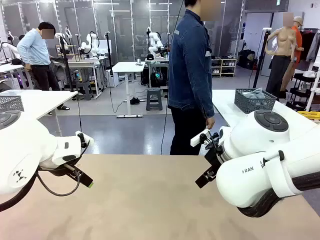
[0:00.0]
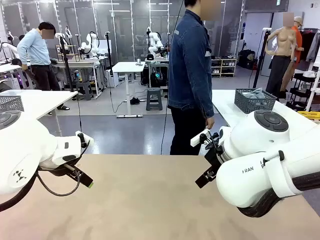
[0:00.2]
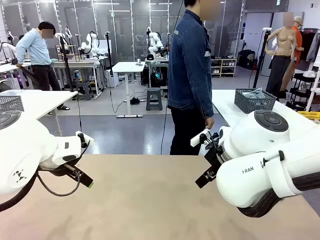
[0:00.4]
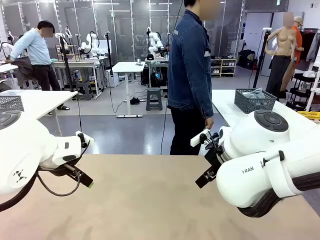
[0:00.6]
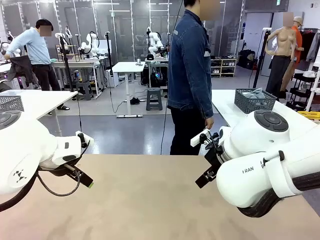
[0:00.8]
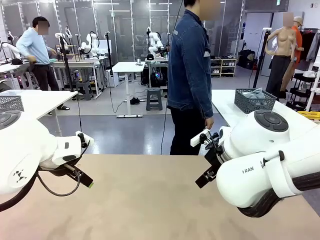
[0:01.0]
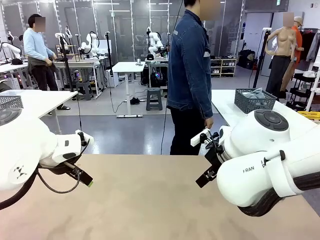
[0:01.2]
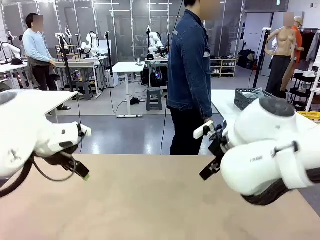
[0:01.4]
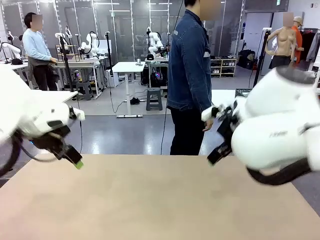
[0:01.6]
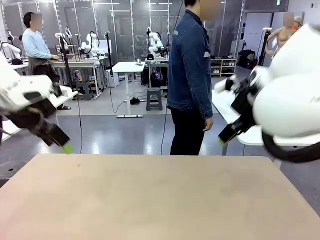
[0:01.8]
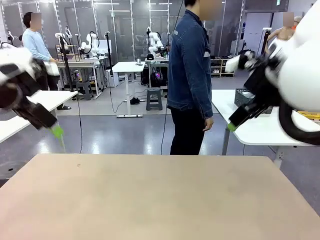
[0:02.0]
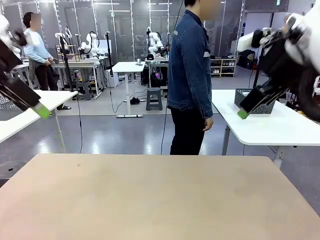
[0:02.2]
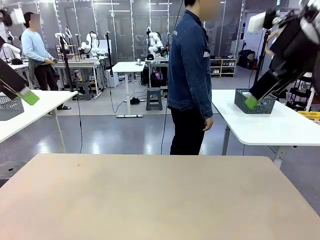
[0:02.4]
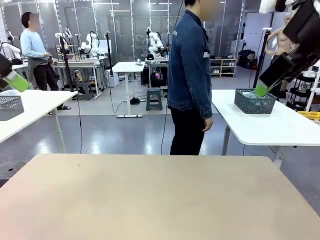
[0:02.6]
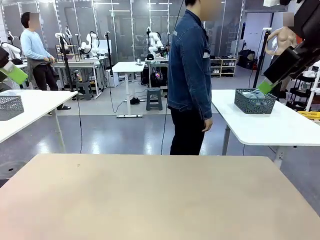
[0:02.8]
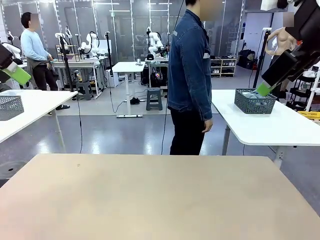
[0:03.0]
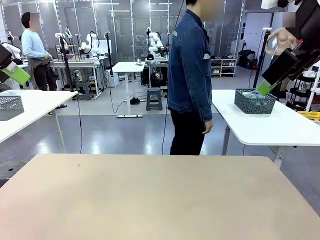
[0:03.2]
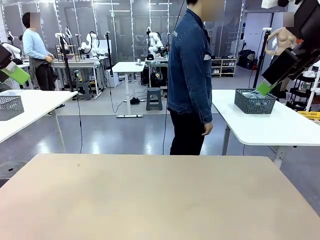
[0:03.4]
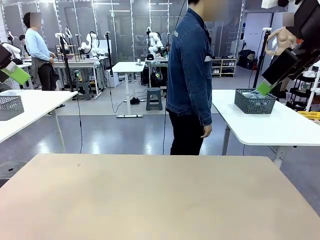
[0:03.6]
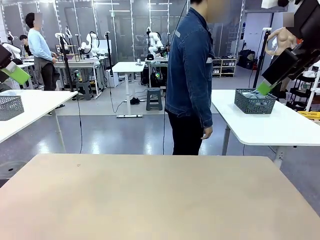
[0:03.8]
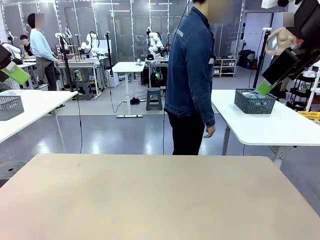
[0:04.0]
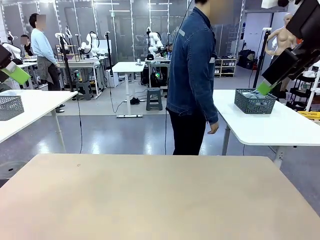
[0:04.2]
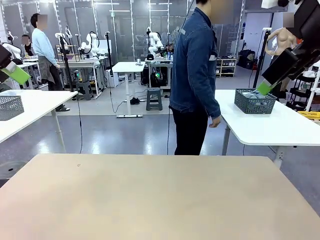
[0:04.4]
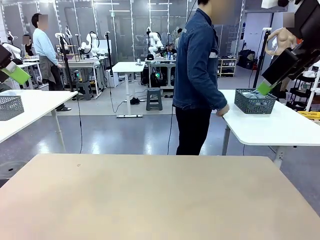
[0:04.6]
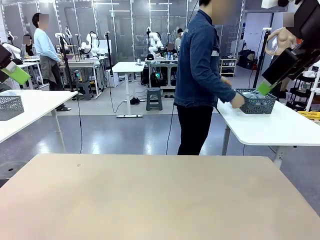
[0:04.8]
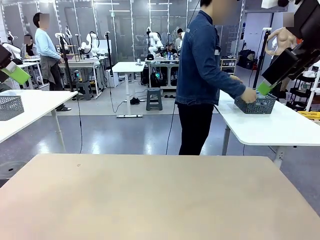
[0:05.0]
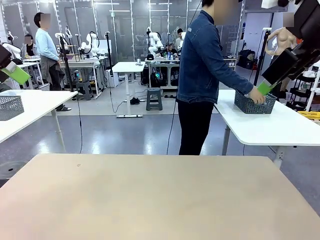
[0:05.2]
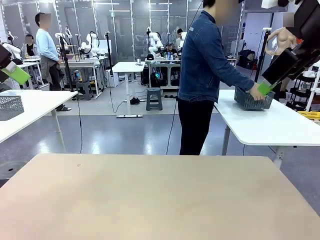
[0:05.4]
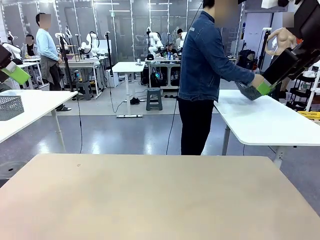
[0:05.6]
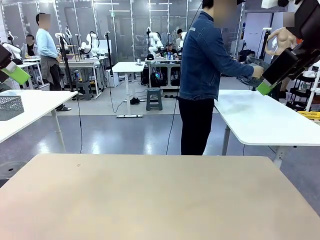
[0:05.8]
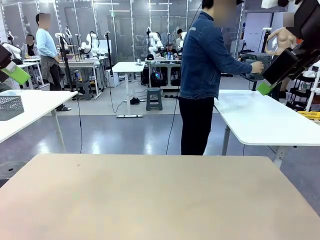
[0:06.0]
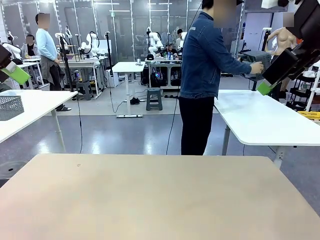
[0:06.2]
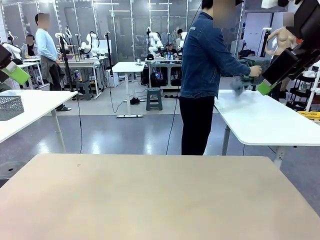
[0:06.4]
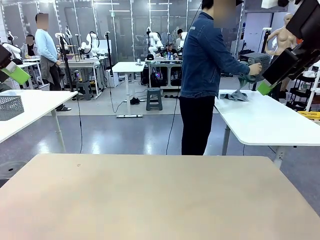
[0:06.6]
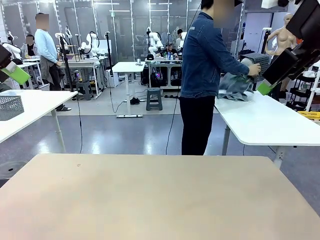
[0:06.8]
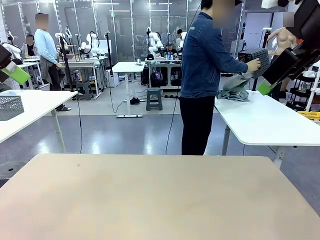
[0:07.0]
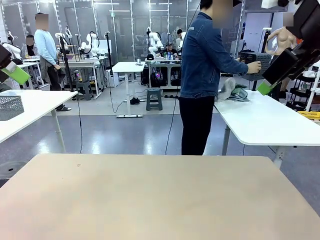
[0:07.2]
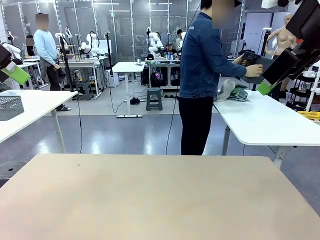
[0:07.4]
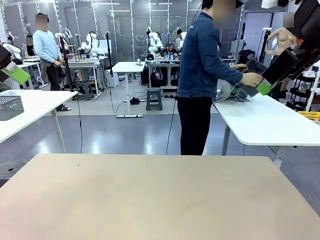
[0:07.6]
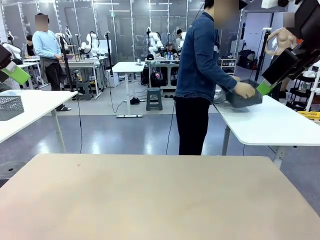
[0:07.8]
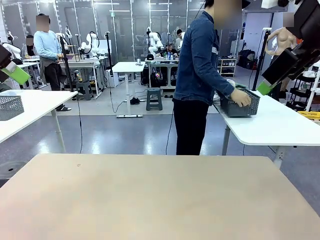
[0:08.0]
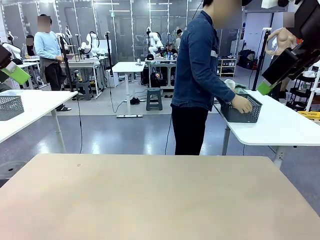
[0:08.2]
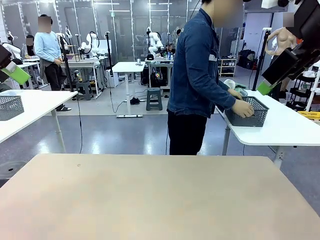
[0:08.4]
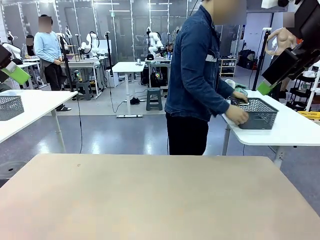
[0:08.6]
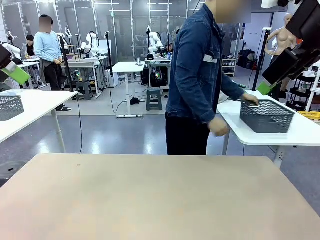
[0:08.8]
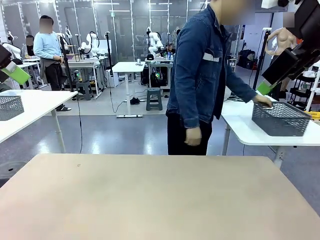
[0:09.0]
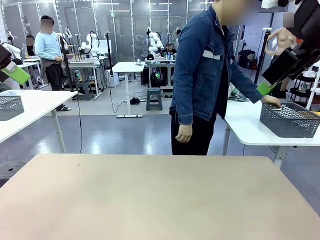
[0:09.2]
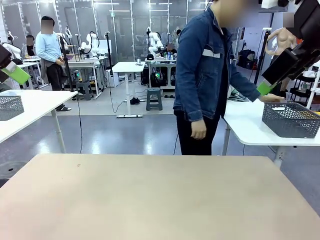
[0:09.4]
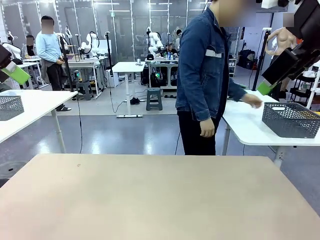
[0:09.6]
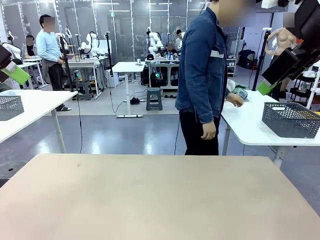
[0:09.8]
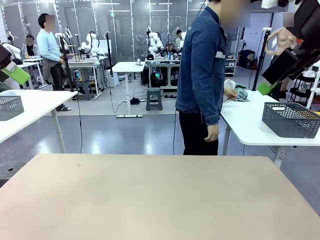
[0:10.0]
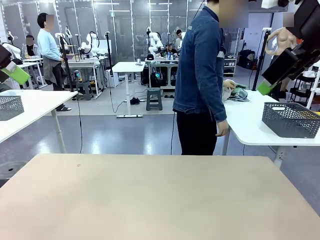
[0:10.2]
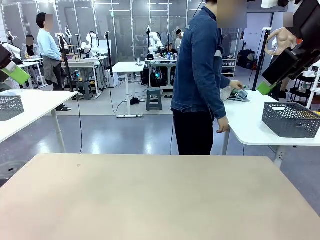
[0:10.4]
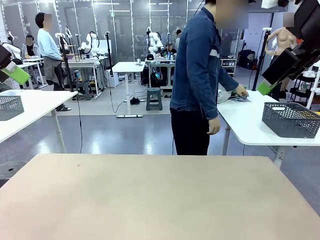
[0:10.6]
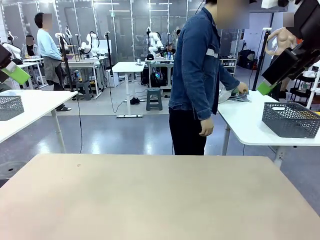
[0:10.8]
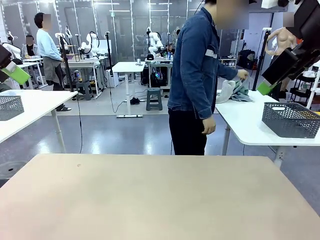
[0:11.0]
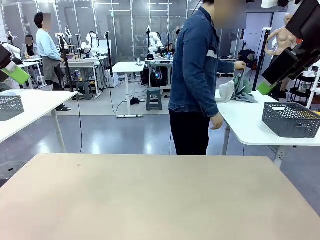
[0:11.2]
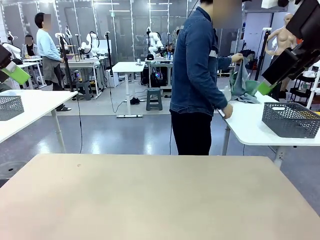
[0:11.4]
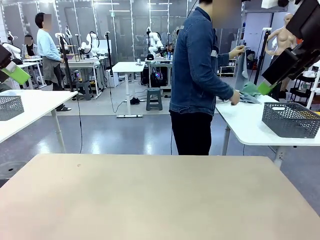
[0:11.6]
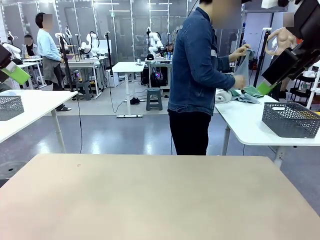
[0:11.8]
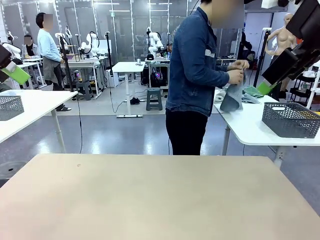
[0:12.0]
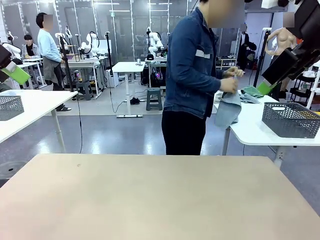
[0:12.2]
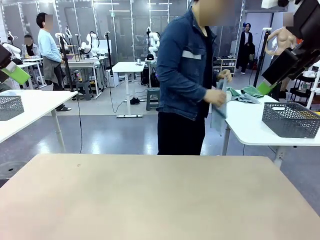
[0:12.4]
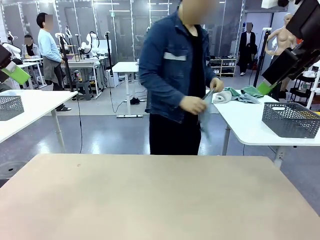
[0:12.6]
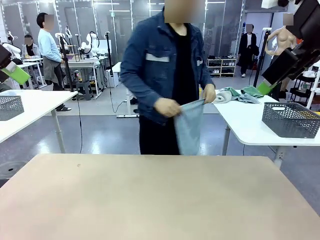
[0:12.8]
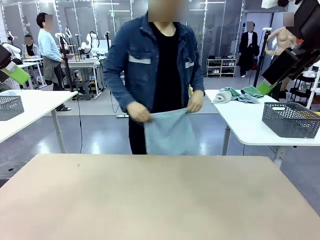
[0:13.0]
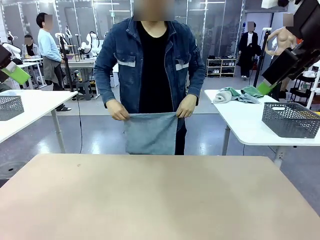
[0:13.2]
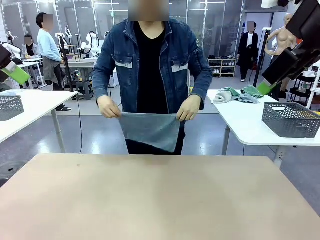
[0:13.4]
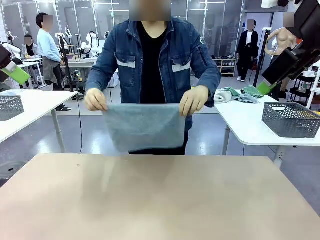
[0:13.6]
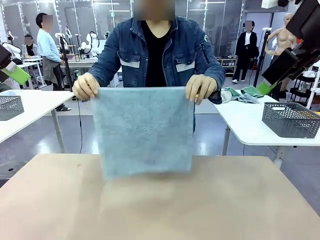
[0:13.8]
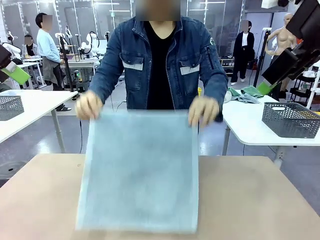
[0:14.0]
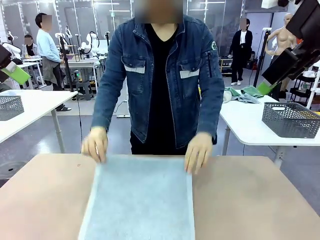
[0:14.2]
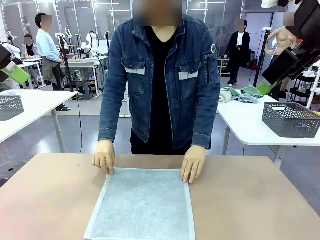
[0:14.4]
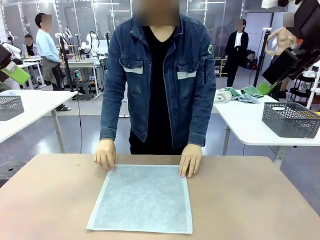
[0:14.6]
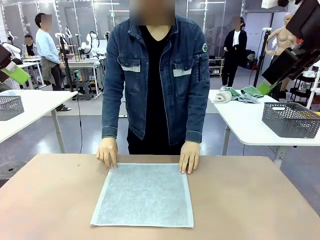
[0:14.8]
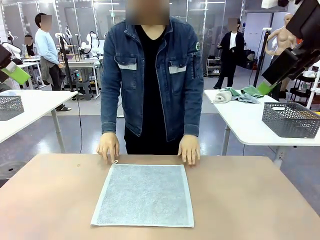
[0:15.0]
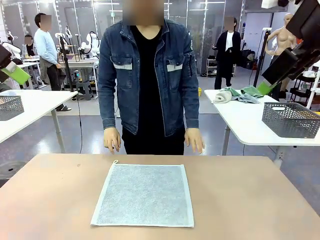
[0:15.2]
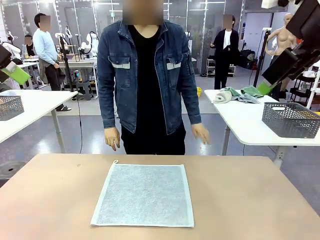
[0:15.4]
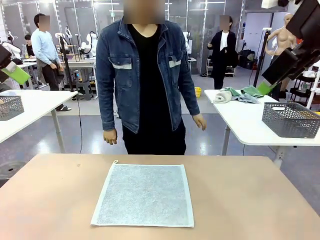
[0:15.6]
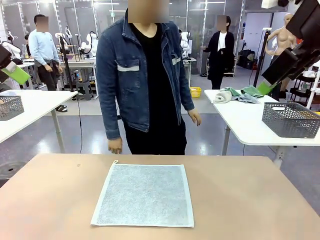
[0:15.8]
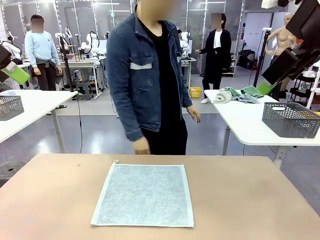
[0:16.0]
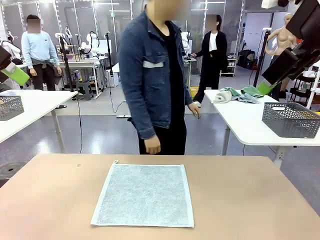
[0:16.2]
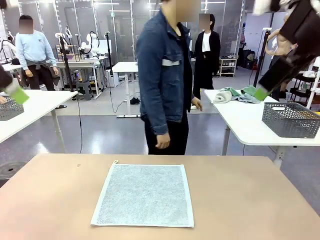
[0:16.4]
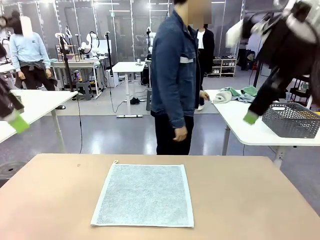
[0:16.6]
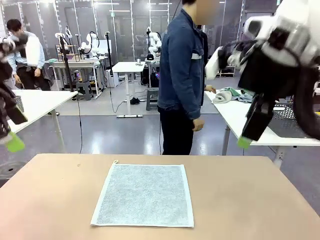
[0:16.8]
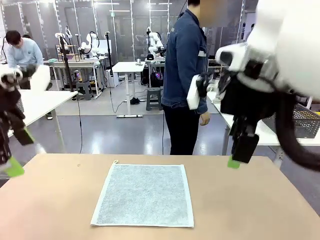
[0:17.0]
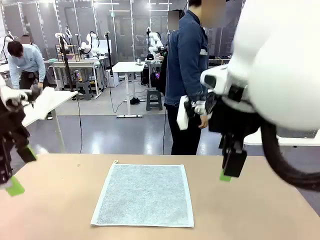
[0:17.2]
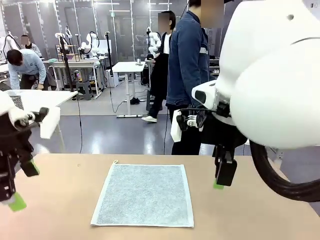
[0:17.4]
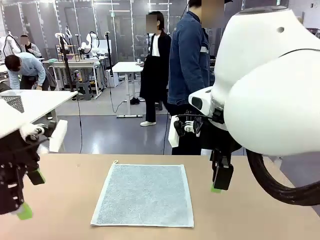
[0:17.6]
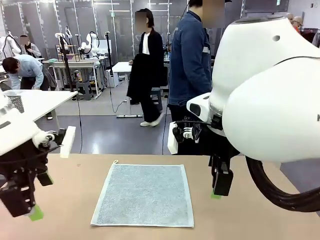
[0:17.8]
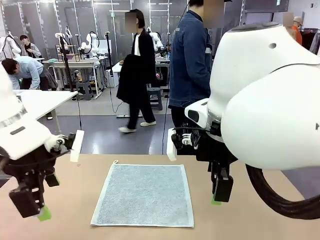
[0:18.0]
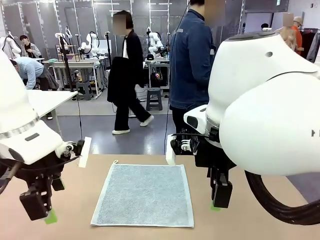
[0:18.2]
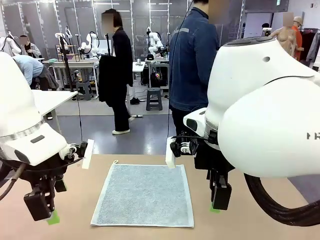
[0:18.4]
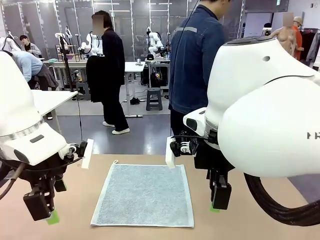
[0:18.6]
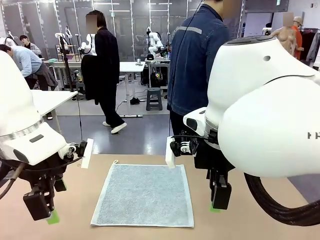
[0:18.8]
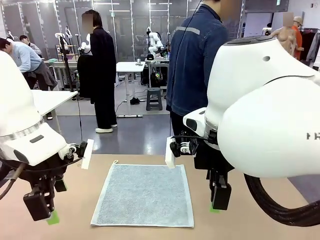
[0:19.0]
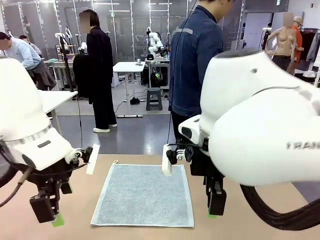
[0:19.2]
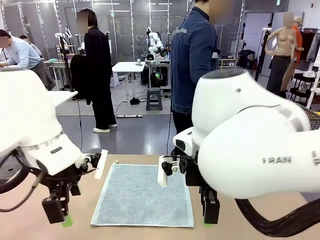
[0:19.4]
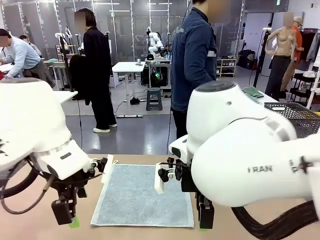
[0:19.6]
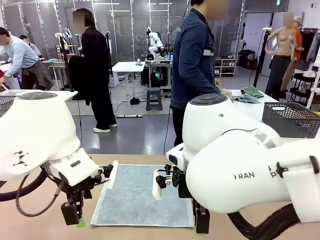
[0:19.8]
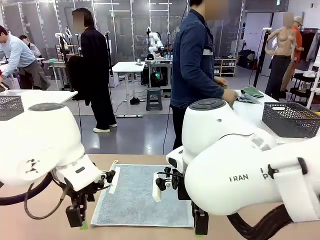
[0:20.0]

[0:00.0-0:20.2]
Task: Fold the towels and place them in the basket.
Robot: When a person lays out a Towel with hook on the table, fold it in half twice.
Person: Pick up the basket, pour the towels onto the left side of the human table, and place the basket on the right side. Pick up one towel and spread it out at the center of the robot table.
